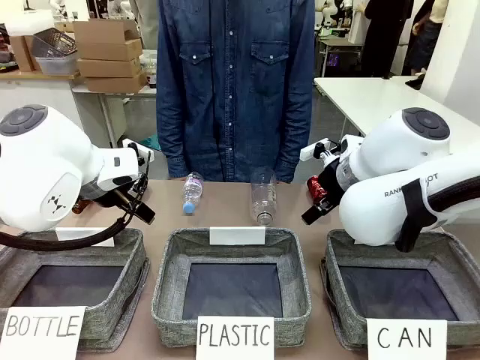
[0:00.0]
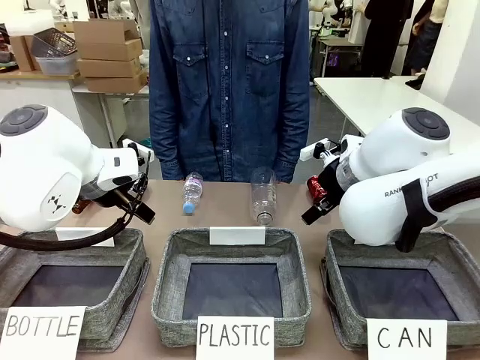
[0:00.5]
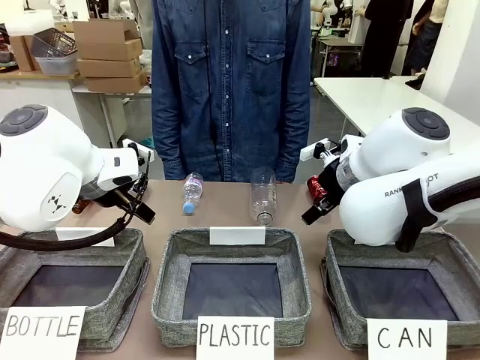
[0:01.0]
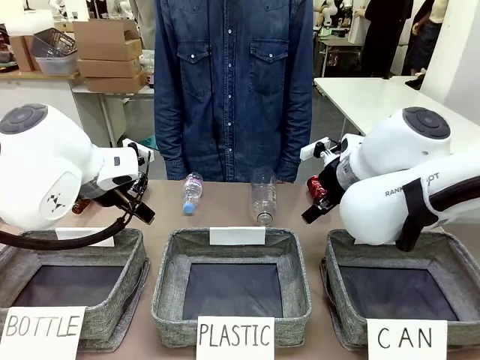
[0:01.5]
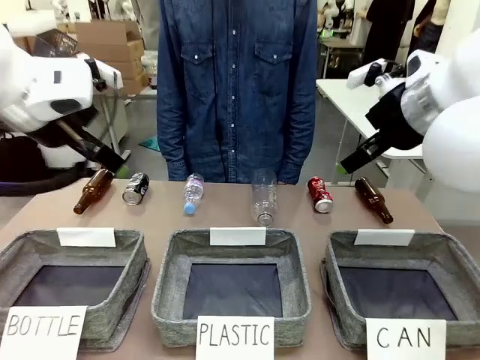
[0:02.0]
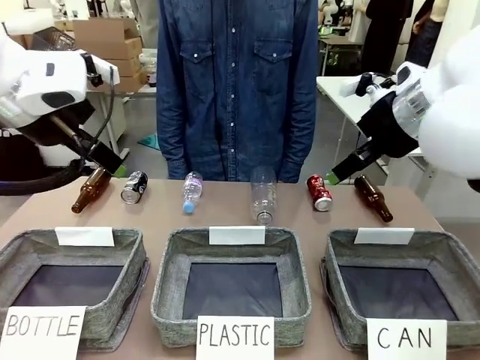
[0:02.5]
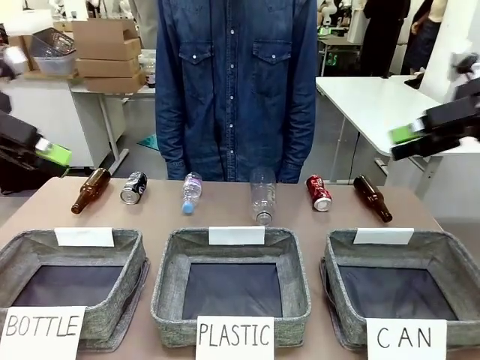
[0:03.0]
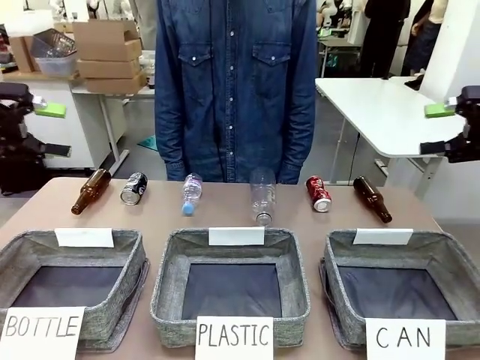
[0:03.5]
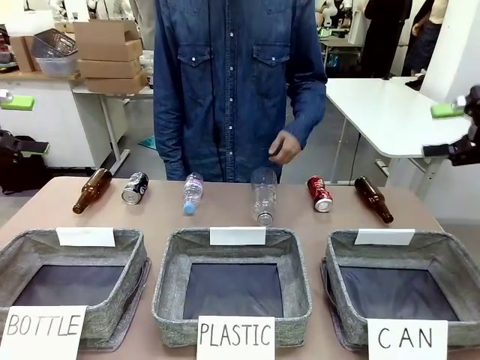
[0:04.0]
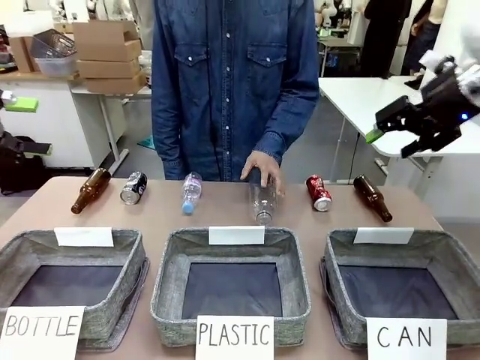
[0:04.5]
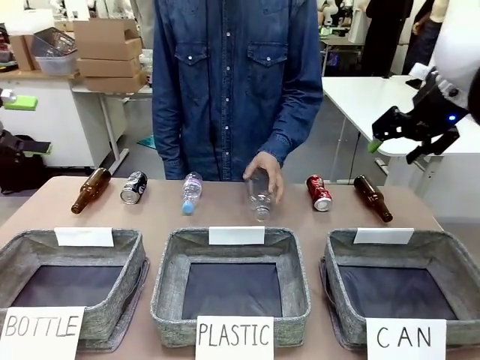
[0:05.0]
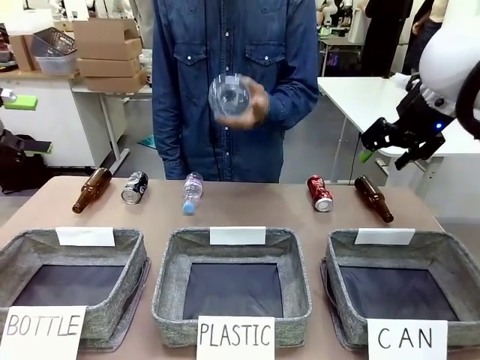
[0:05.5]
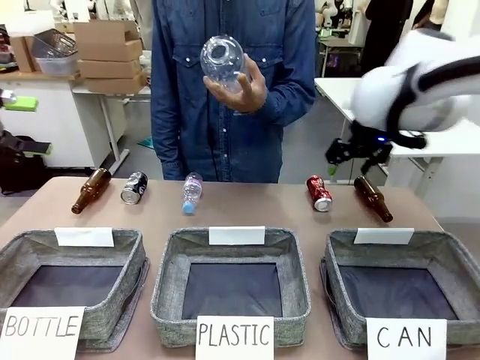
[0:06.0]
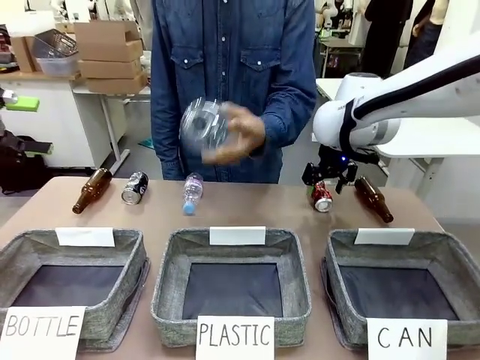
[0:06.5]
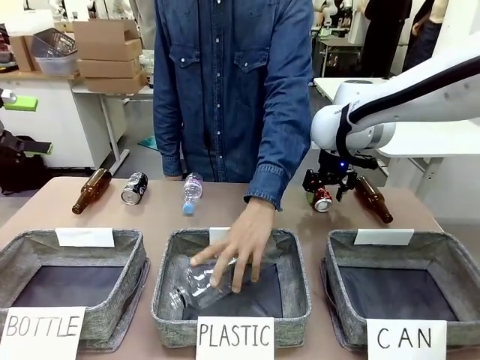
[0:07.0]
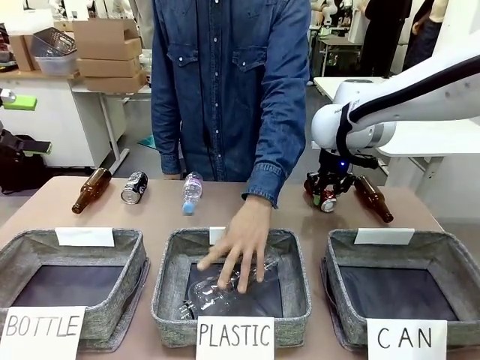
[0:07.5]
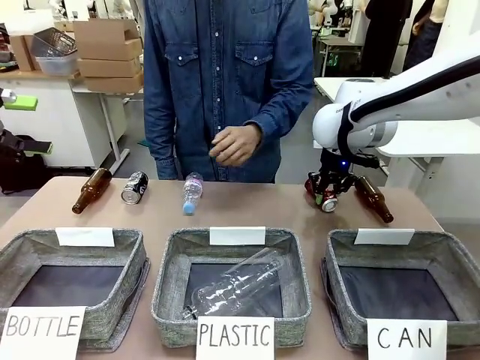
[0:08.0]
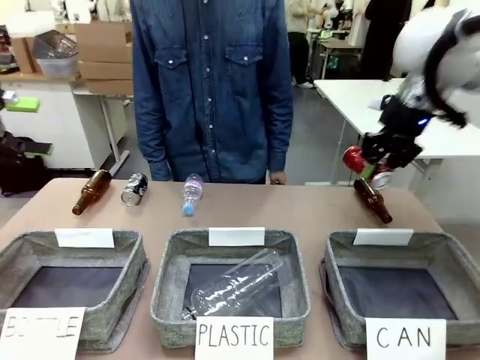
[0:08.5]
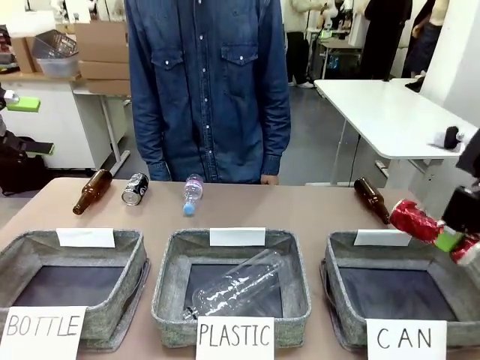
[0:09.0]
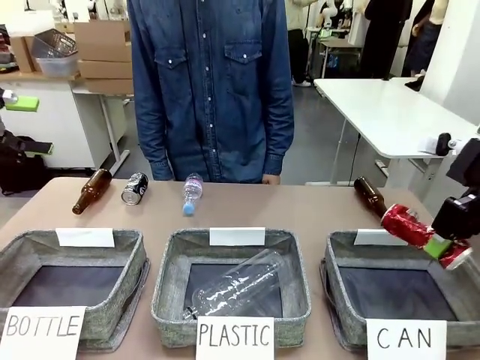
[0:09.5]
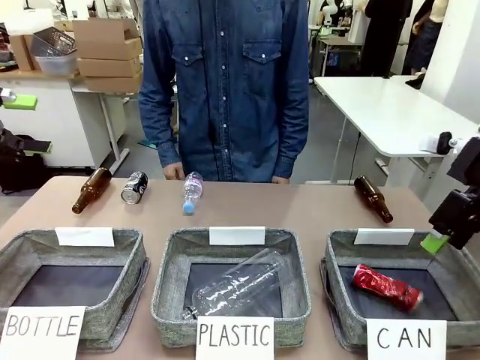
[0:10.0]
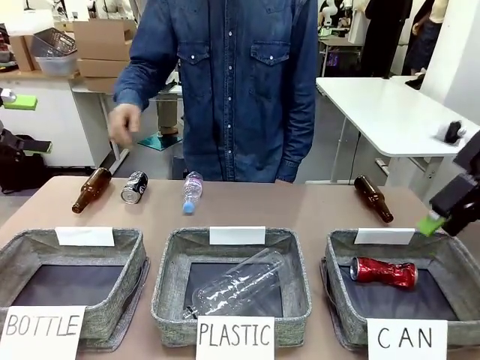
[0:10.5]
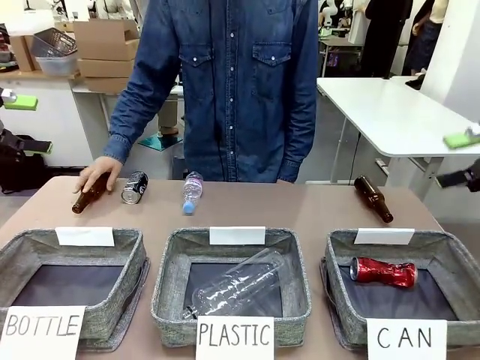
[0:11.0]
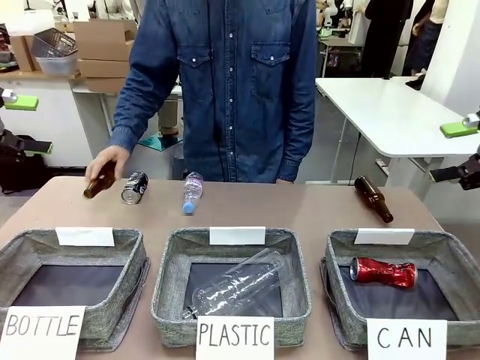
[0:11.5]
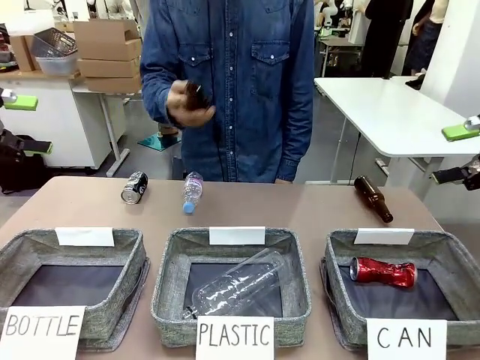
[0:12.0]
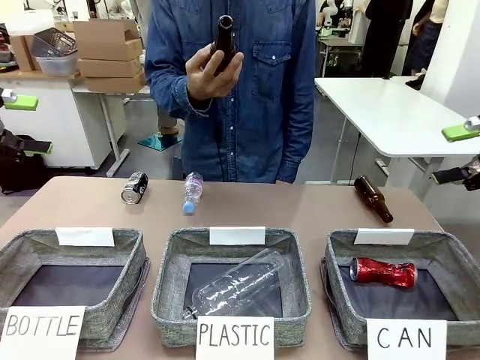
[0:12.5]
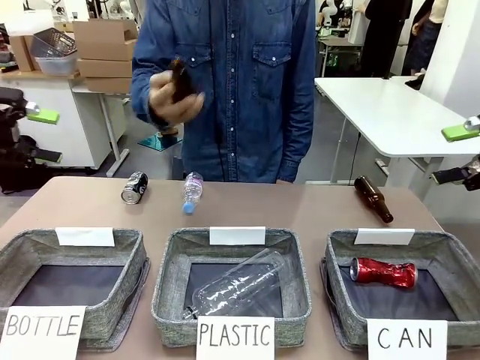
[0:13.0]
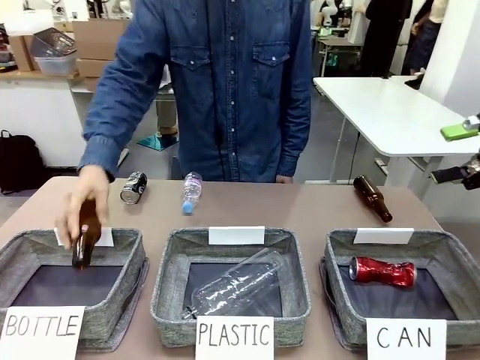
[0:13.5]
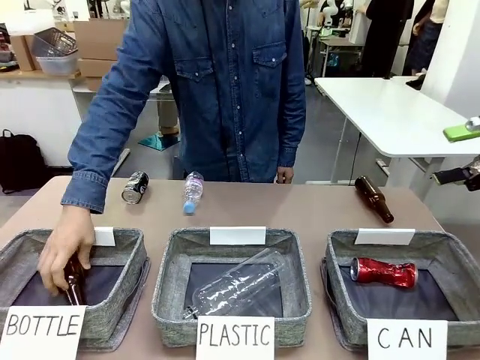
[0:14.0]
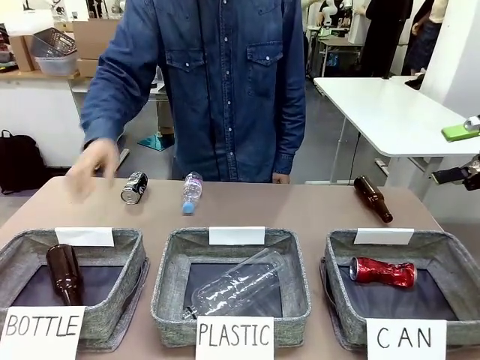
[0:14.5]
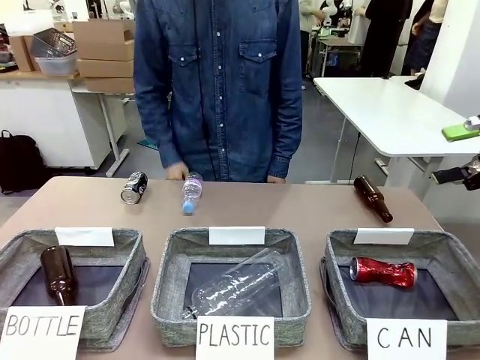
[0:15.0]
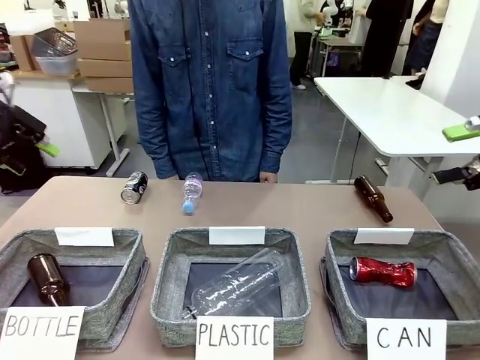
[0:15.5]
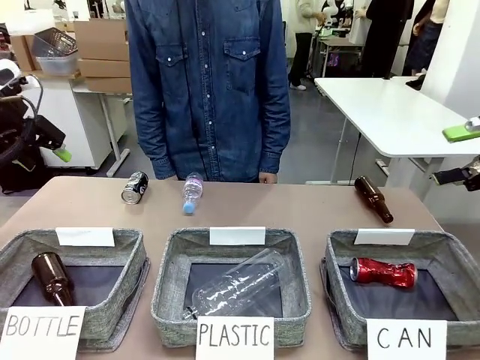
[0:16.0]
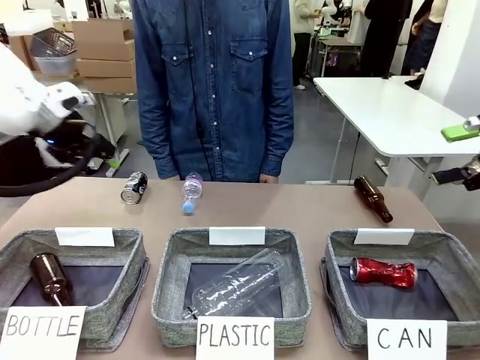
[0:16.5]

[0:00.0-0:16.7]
Task: Sort the can waste into the basket.
Robot: Pick up the can waste from the table and place it in the right Fabric basket.
